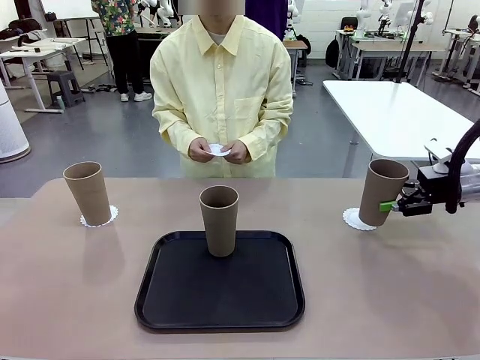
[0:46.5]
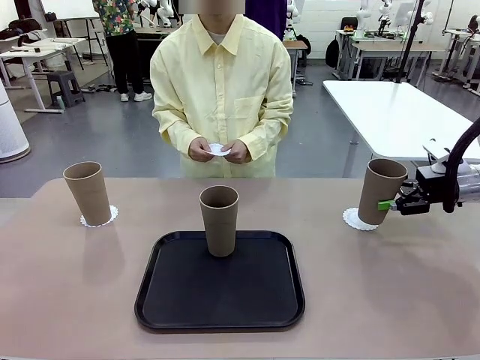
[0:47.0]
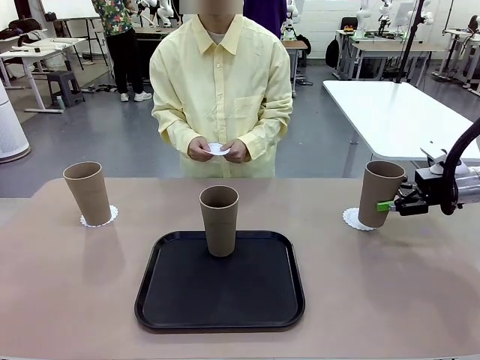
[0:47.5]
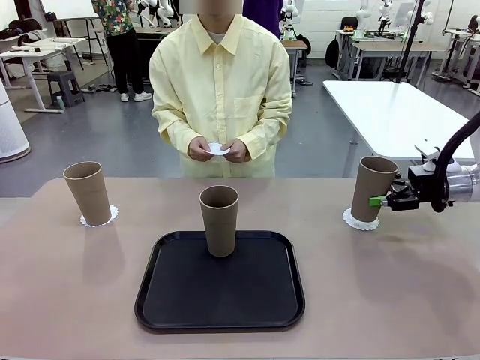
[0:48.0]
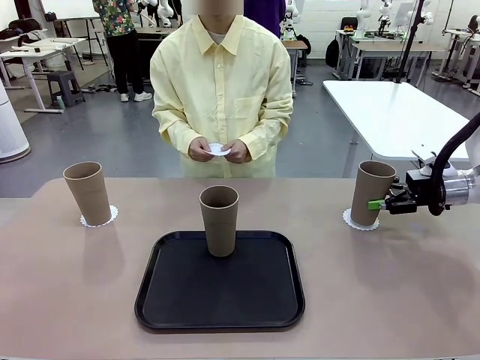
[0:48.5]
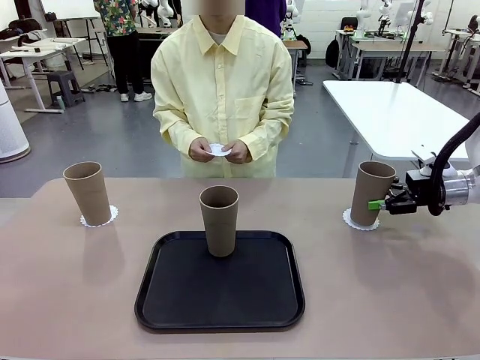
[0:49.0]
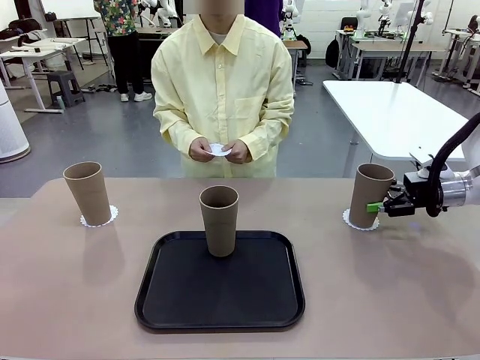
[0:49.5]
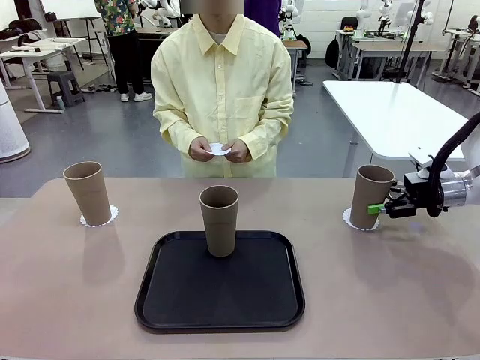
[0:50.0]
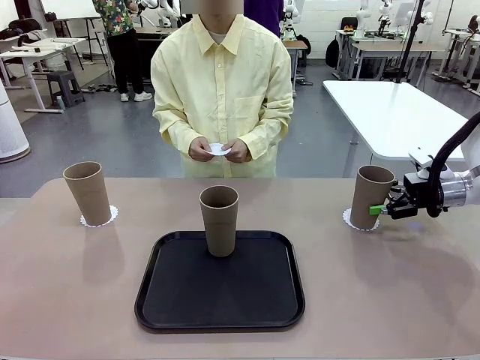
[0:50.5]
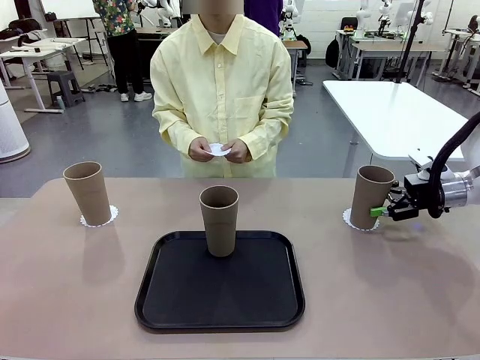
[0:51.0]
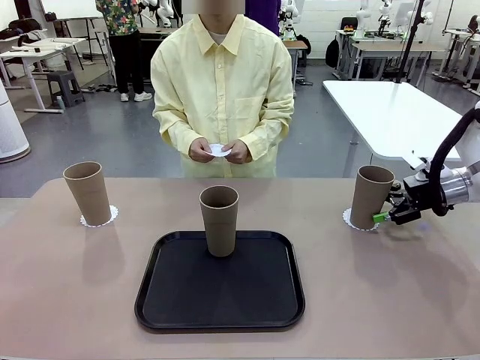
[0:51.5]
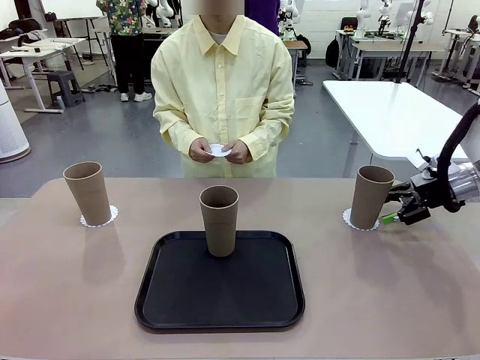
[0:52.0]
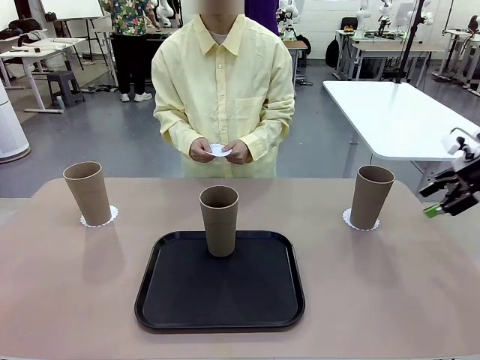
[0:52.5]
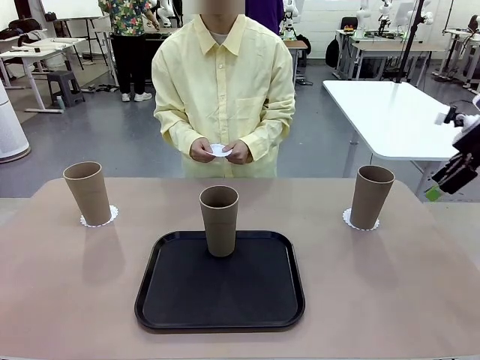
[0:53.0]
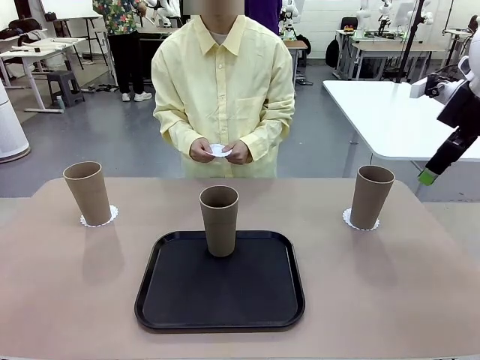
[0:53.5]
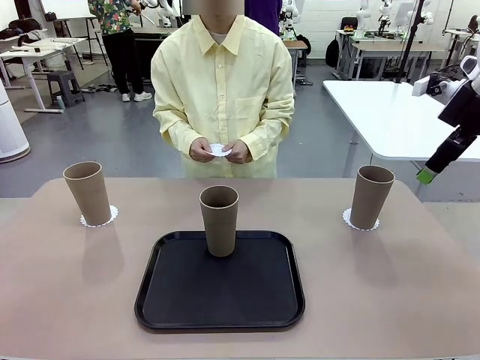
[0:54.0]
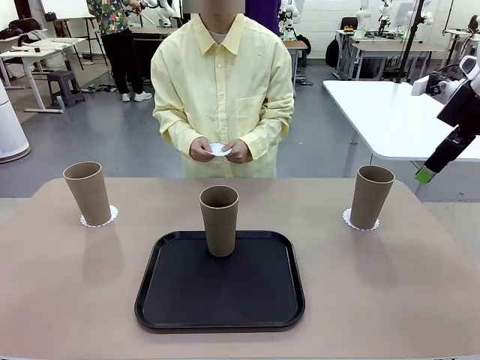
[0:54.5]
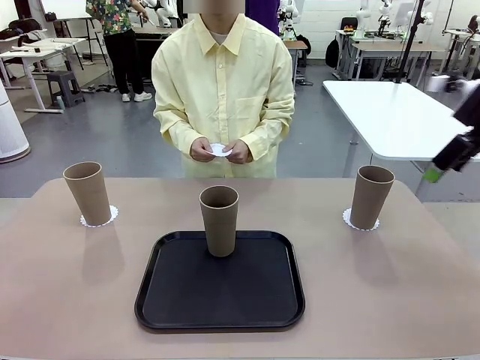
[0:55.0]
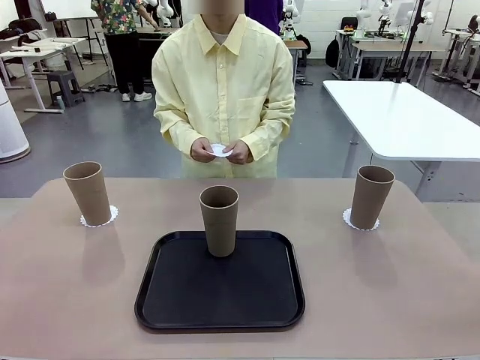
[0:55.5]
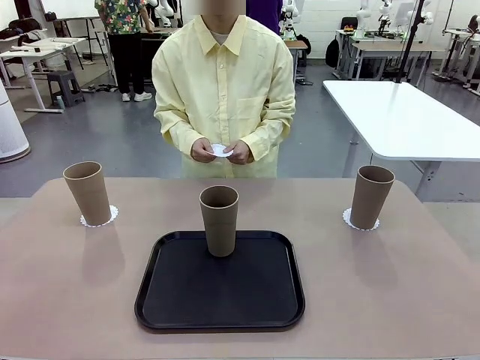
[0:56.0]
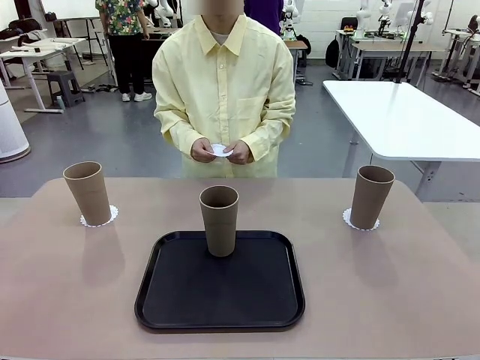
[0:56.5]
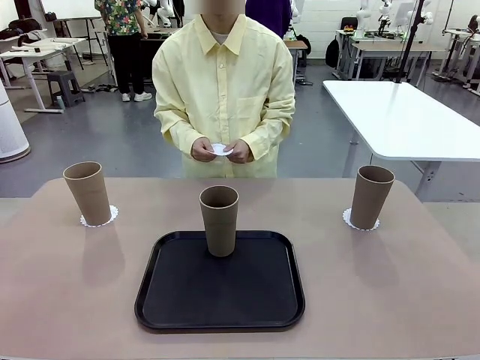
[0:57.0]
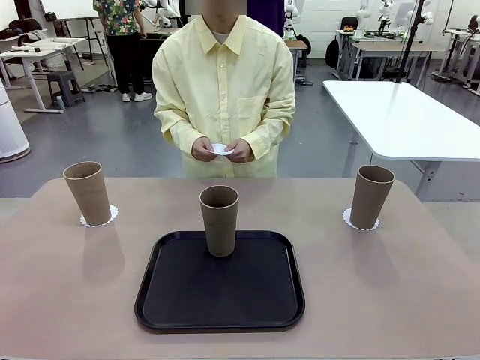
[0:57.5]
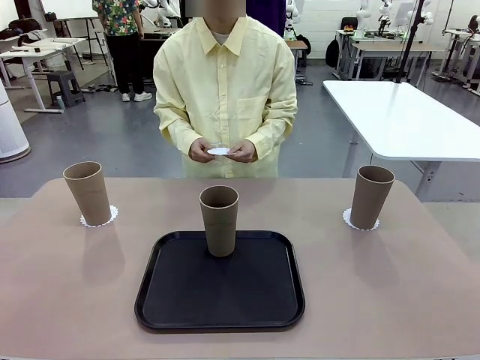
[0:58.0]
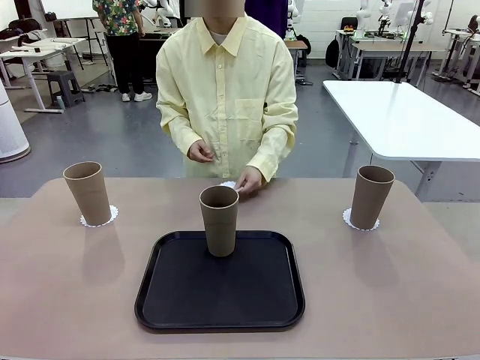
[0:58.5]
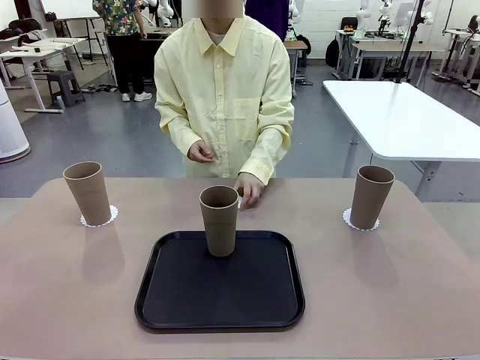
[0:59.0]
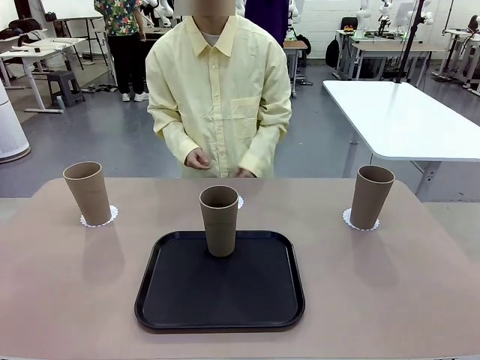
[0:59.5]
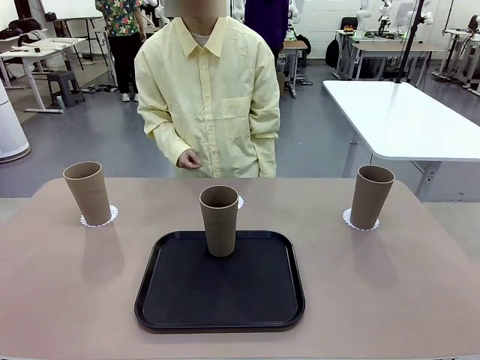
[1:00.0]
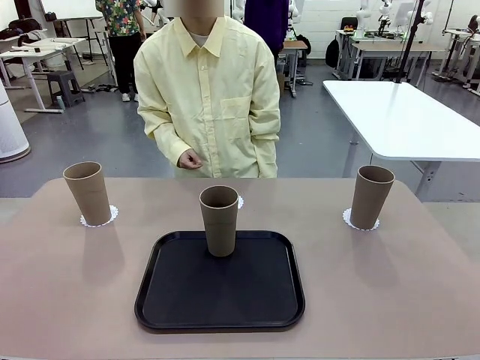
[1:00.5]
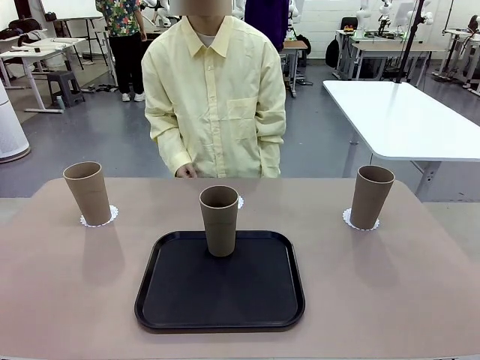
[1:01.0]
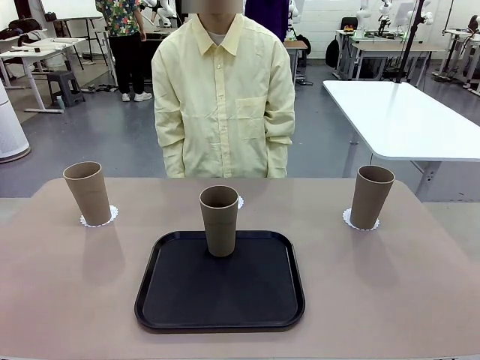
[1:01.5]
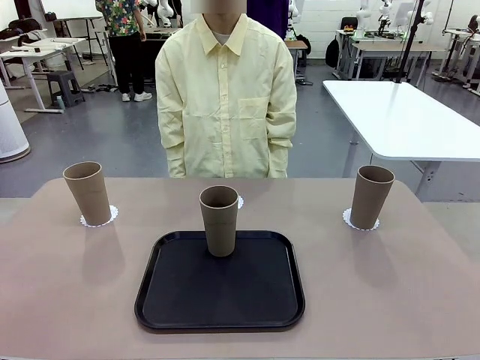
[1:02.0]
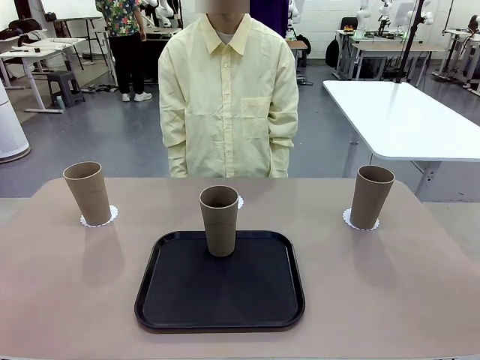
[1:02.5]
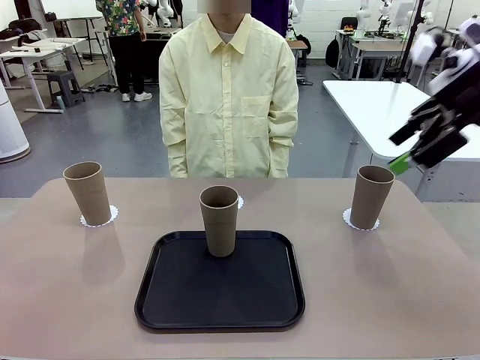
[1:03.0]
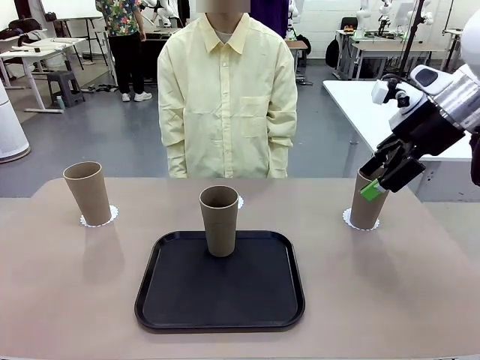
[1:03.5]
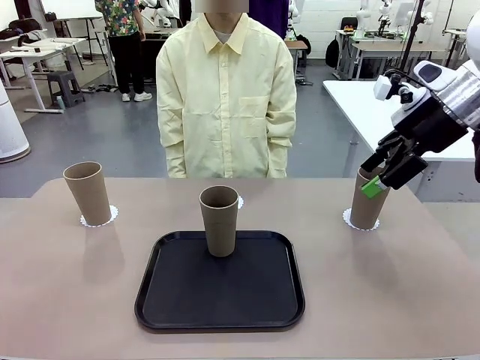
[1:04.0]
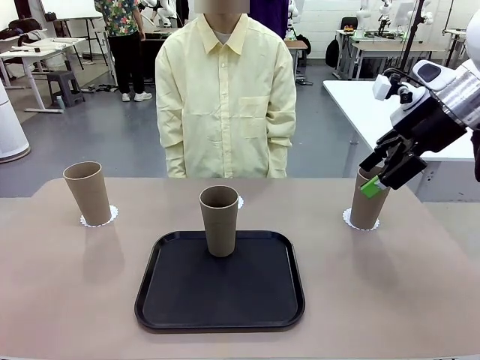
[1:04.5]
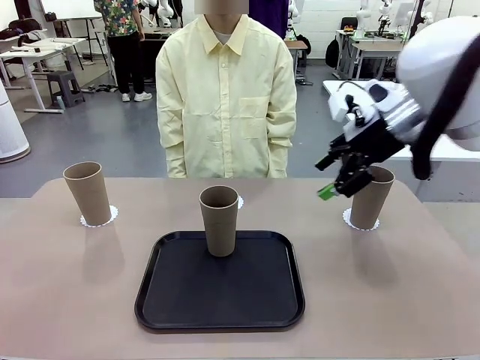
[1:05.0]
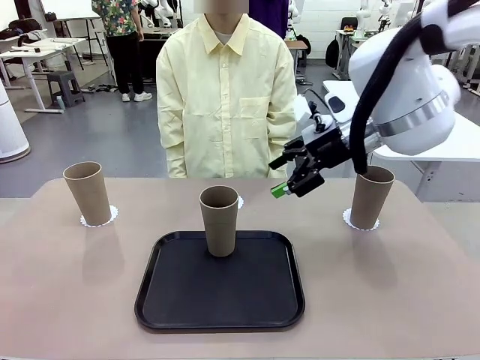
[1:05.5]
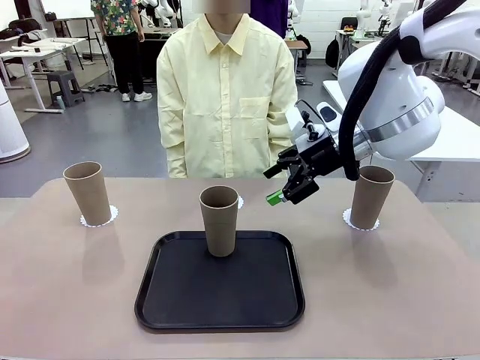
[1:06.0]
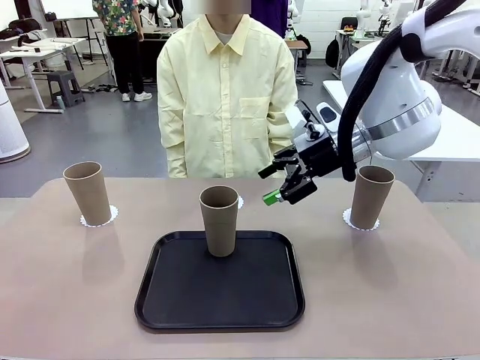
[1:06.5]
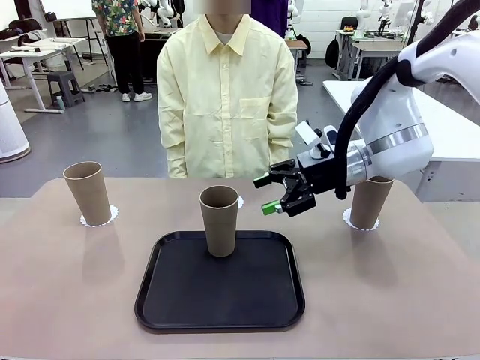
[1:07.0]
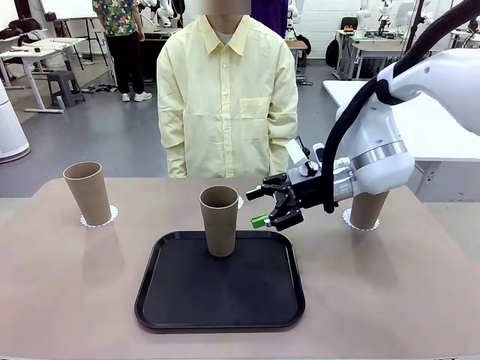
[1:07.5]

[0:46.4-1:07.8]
Task: Place coasters on the table and set cups on them.
Robot: Take one Reusable plastic cup from the Flat Tray and place it on a coaster set by the human.

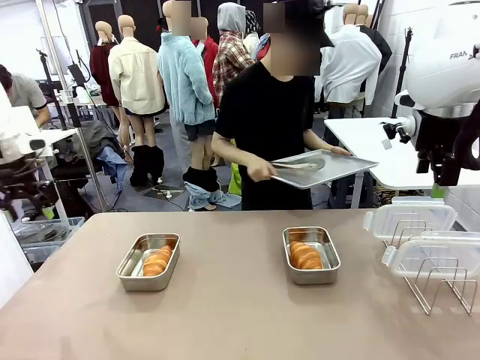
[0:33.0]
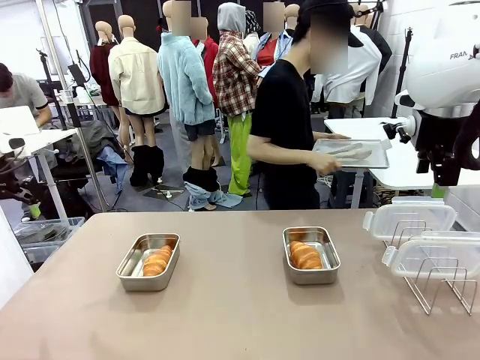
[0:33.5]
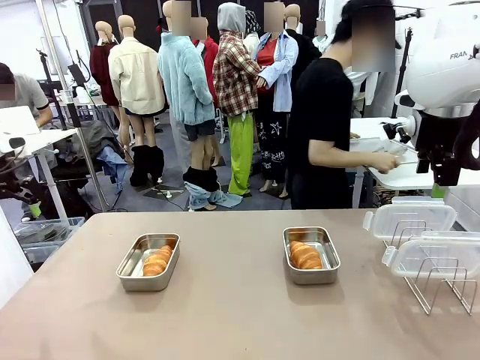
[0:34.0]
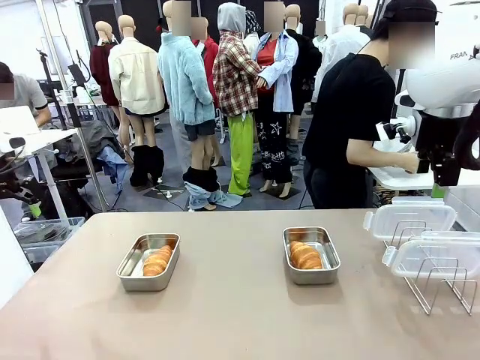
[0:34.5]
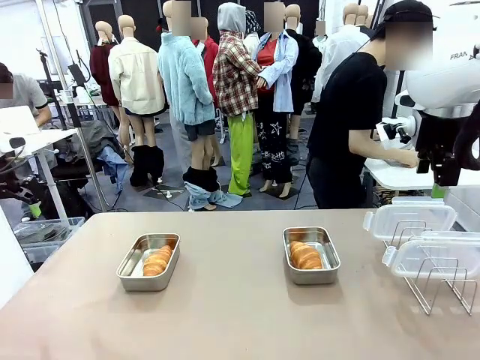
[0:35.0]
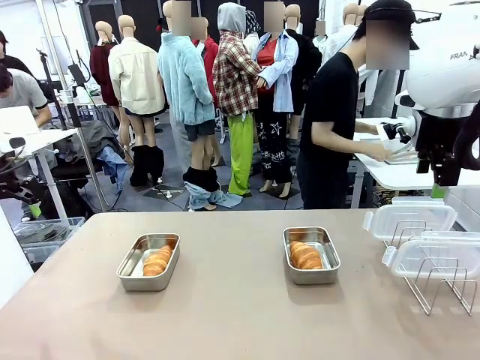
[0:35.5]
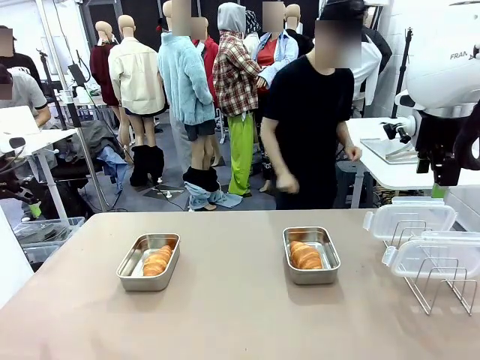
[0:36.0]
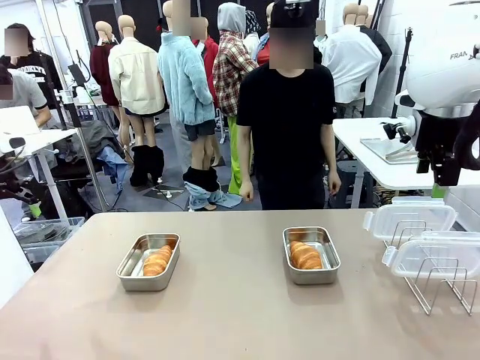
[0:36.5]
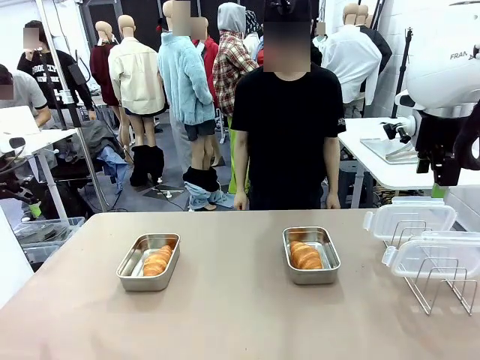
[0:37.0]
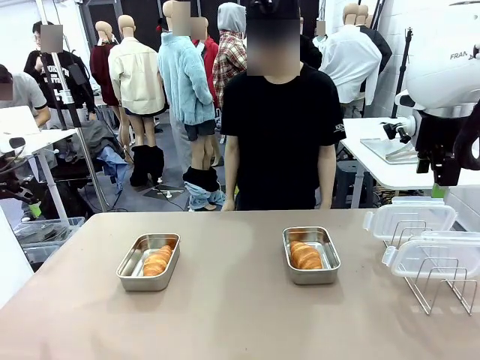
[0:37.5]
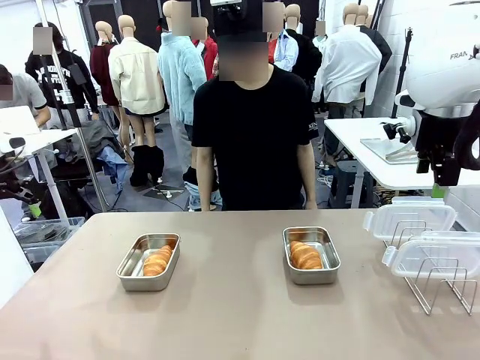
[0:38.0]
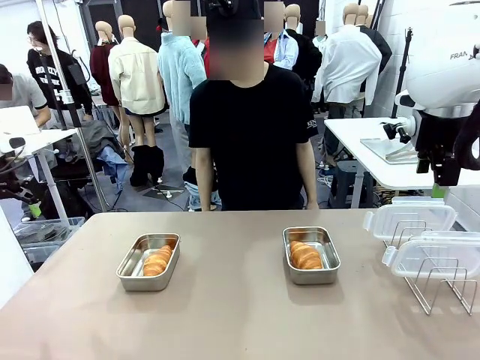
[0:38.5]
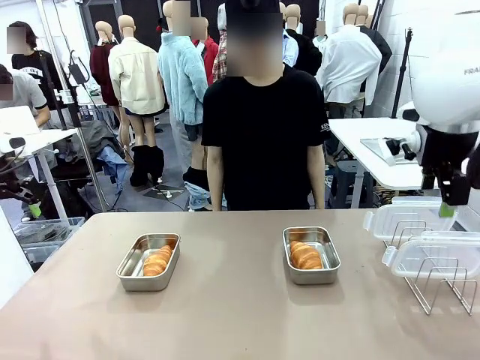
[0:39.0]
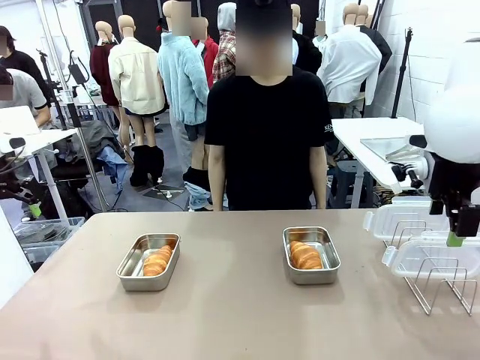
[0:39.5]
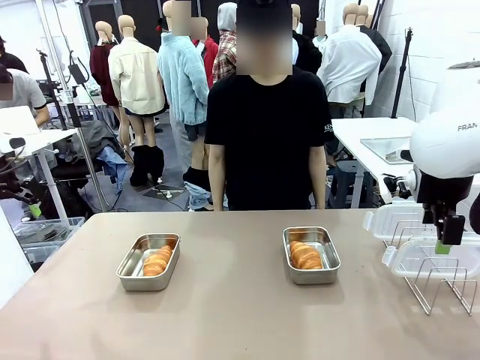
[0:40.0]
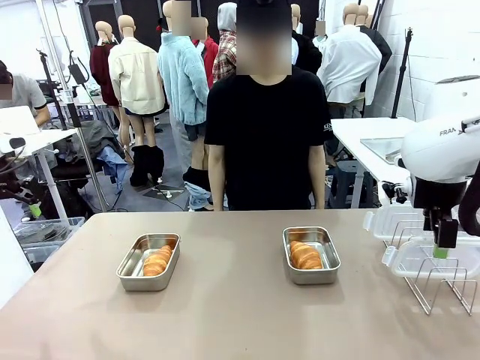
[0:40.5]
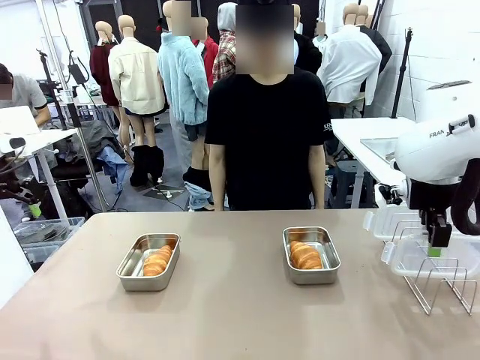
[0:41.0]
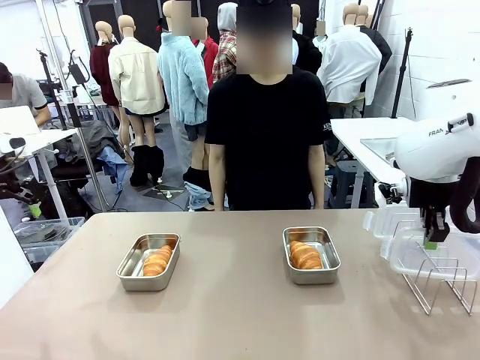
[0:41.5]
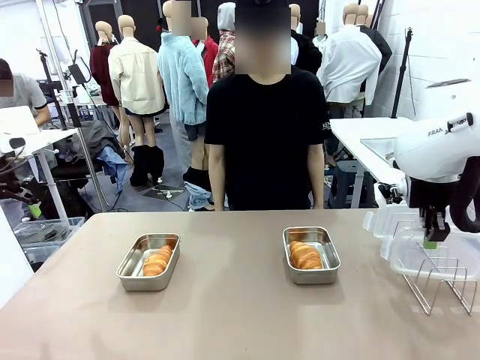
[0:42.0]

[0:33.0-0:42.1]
Task: Place the bread in airtight containers.
Robot: Pick up one Airtight Container lid and hand it to the human.
Person: Place Baking Sheet on the Human's Table.
